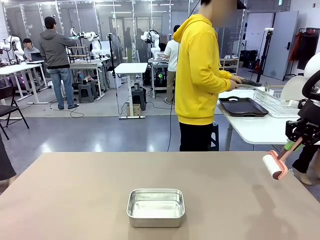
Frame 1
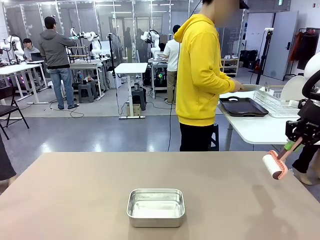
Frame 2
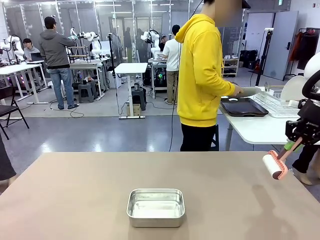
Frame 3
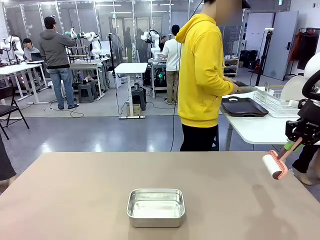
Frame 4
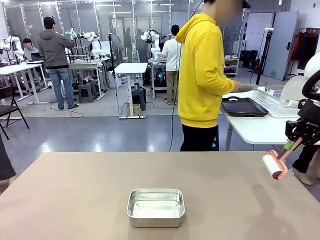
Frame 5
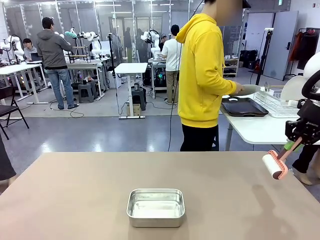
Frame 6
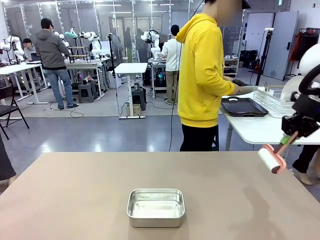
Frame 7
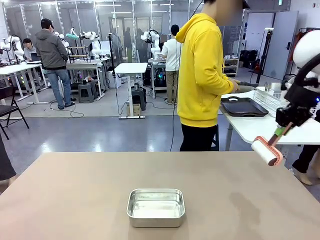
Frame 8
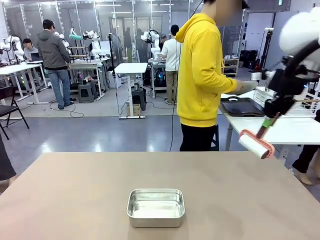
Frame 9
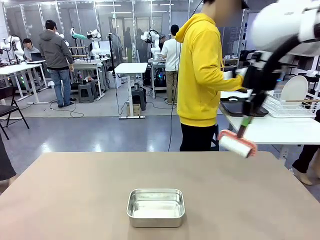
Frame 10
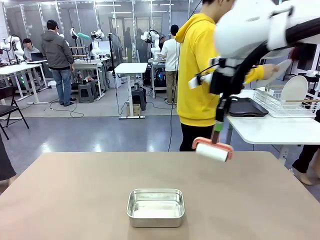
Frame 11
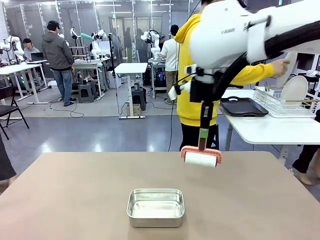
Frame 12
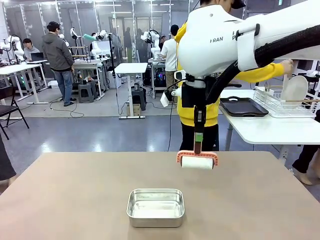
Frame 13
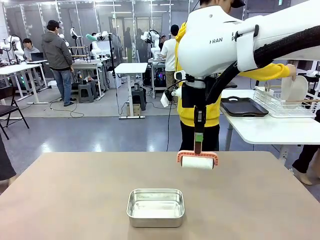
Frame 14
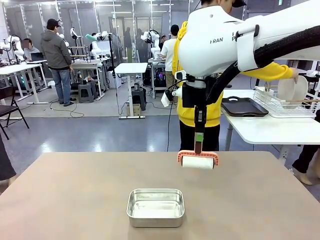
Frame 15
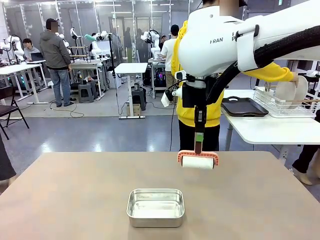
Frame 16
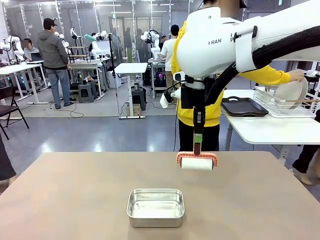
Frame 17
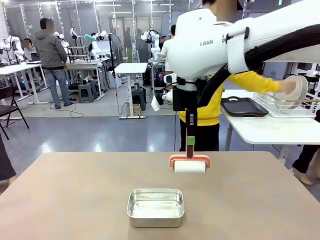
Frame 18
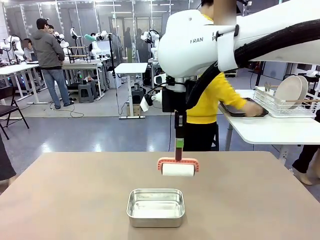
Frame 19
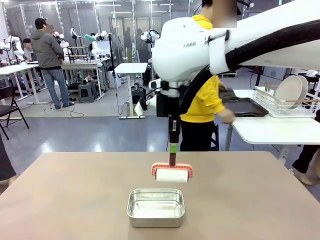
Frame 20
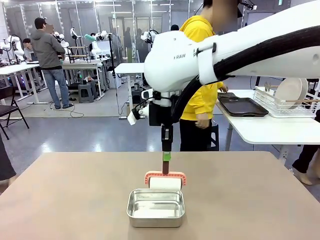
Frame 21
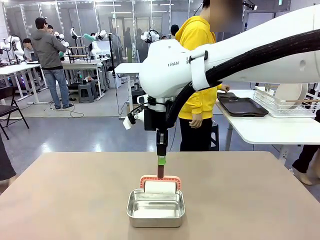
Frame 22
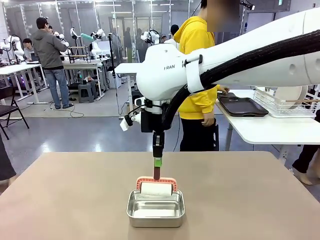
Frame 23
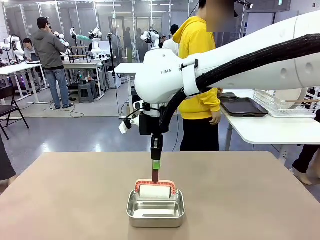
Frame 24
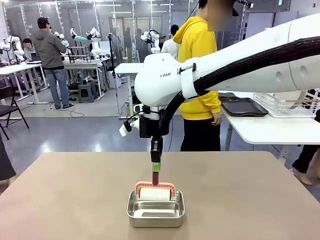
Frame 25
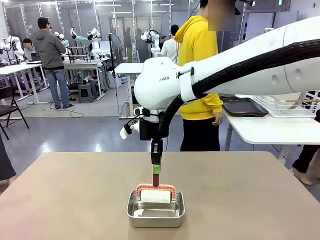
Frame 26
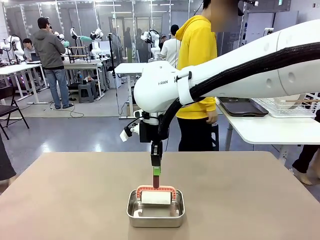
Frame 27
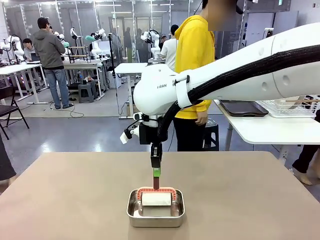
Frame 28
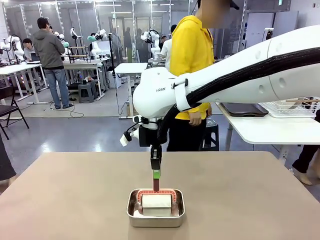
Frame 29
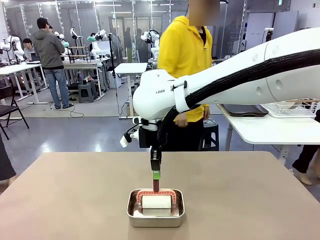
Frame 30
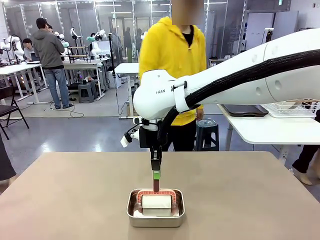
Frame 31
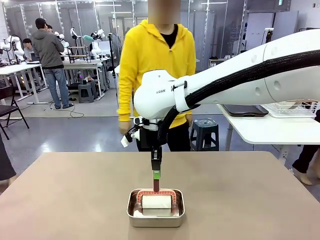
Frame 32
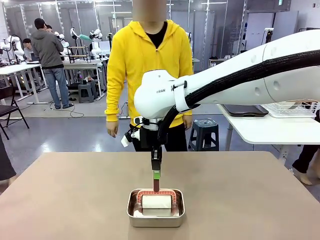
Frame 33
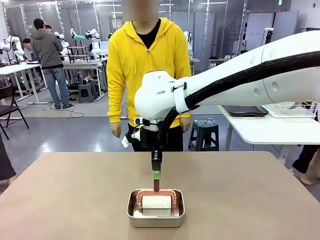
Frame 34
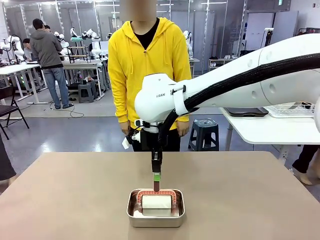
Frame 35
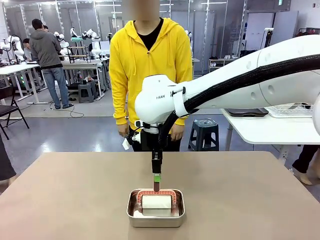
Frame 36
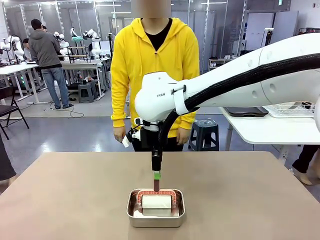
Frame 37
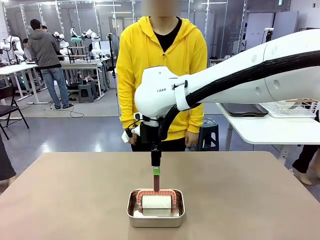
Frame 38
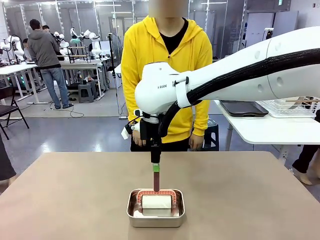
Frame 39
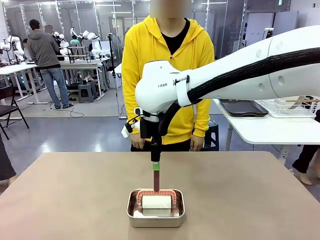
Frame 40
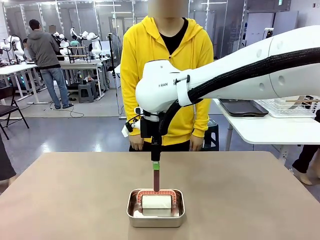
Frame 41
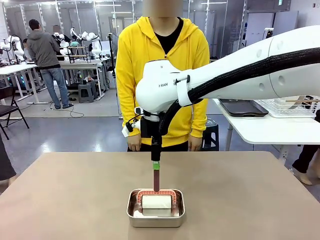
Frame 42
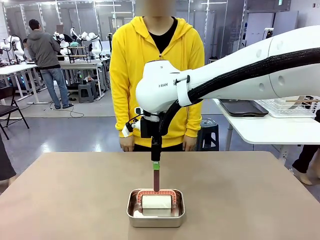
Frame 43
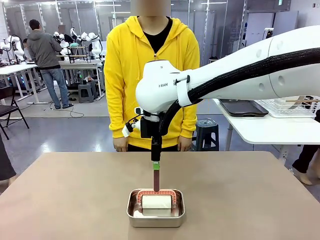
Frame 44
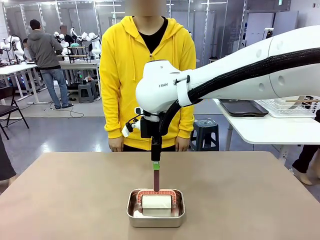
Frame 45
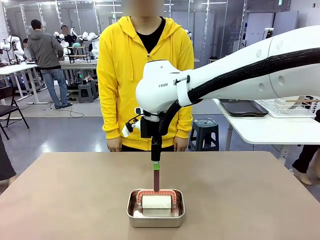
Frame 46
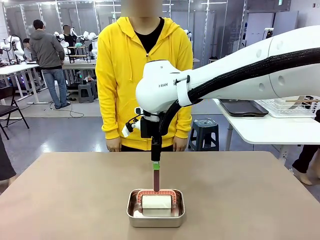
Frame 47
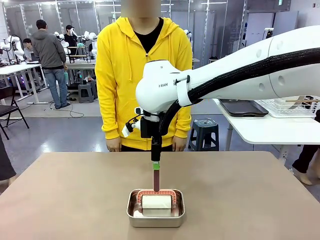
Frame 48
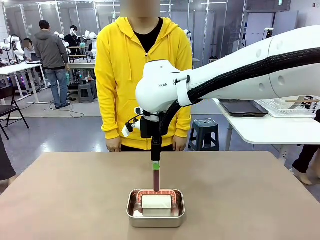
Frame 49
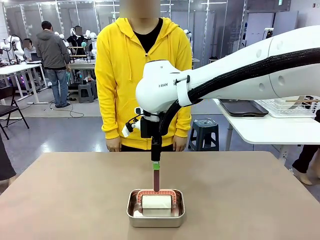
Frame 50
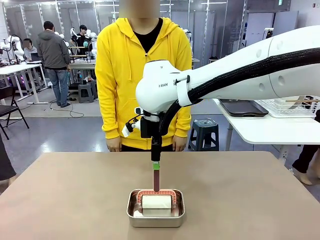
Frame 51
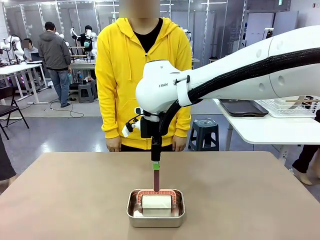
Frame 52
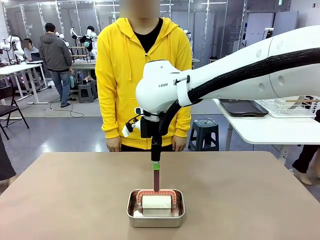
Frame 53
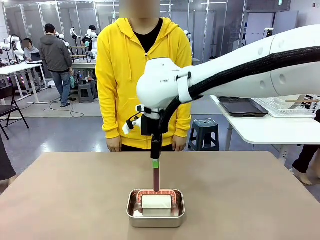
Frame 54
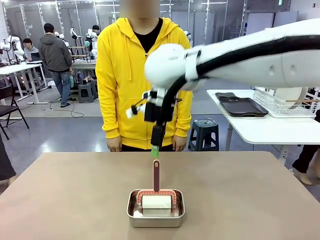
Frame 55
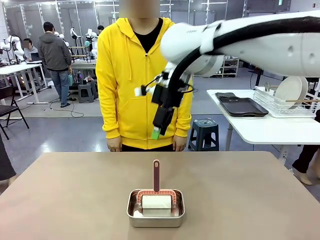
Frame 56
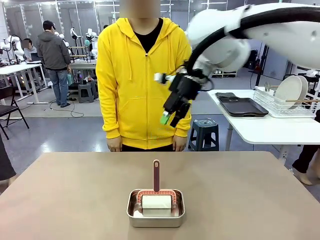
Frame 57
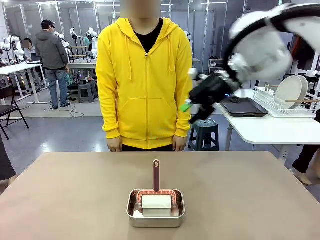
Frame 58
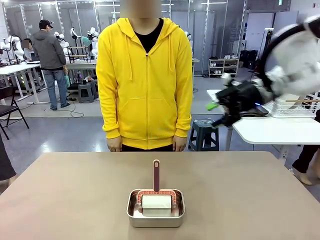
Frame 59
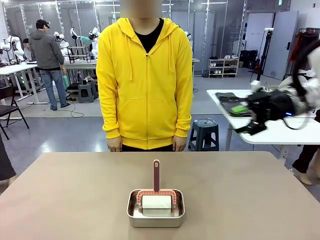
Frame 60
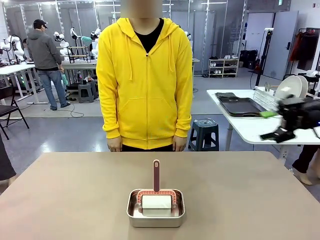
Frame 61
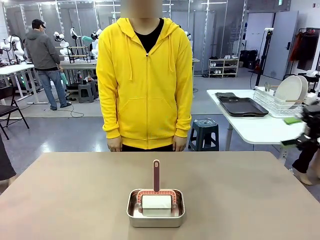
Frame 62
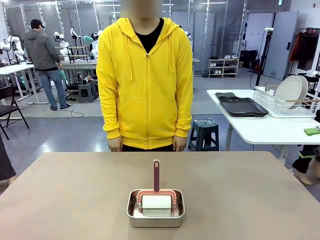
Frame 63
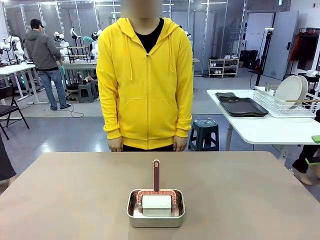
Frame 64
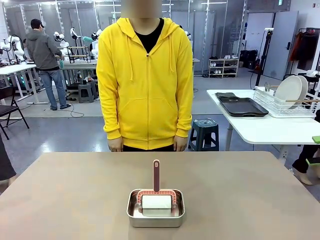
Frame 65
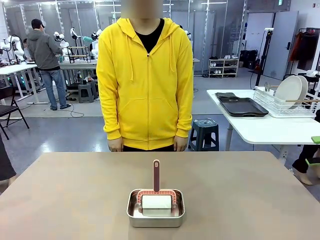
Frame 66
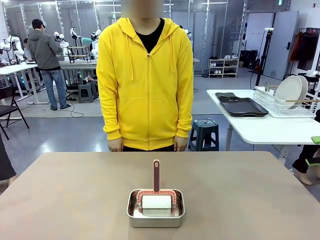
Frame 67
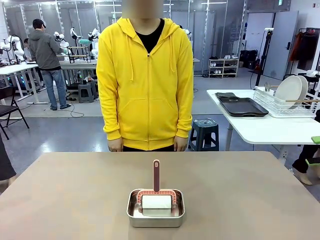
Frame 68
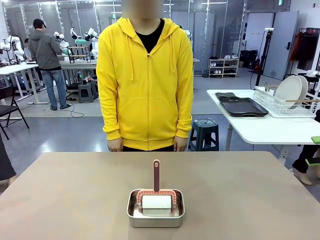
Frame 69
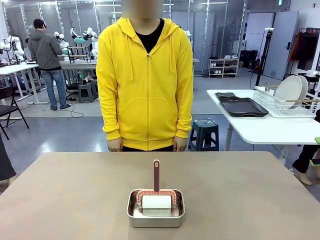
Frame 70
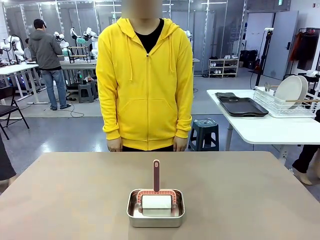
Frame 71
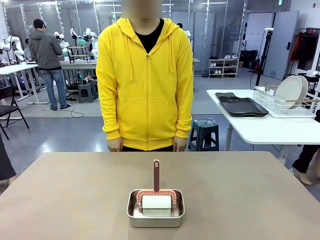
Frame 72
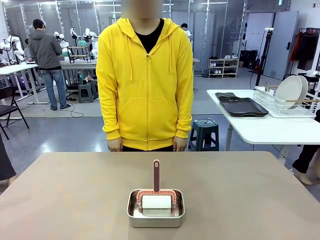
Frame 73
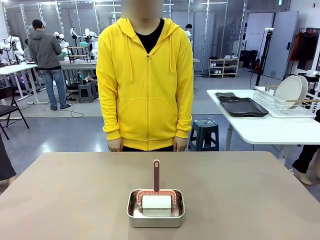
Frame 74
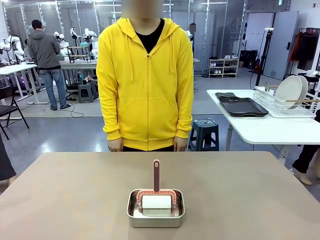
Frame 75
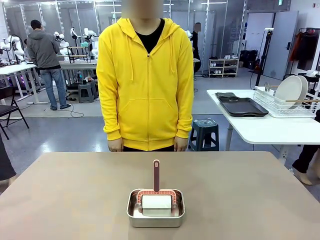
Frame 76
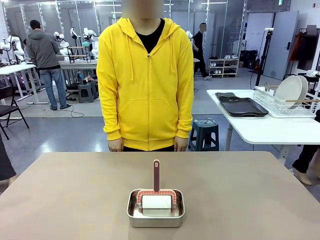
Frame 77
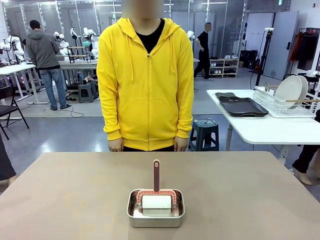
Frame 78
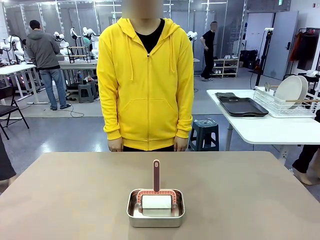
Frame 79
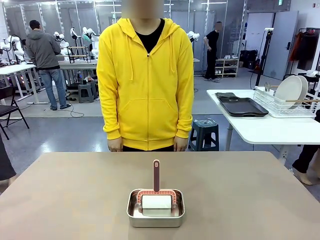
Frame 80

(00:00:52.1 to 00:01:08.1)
Robot: Place the Lint Roller back on top of the Airtight Container.
Person: Use the Towel with hook to wipe the Plastic Matte Plate , Fork , and Knife and place into the Dish drying rack.
